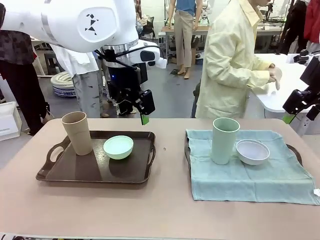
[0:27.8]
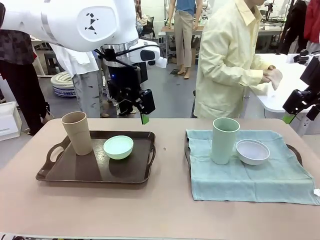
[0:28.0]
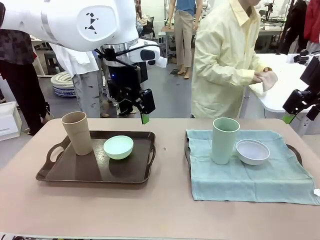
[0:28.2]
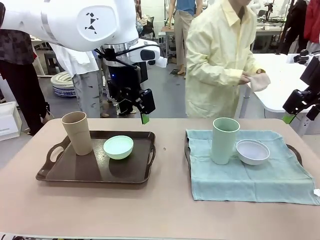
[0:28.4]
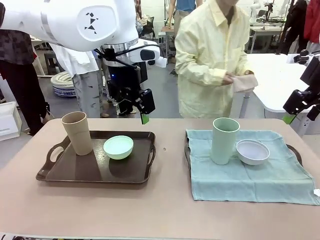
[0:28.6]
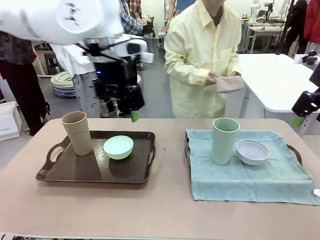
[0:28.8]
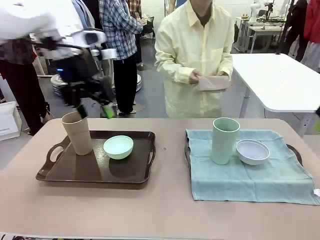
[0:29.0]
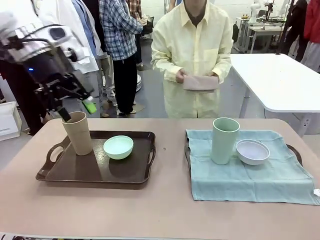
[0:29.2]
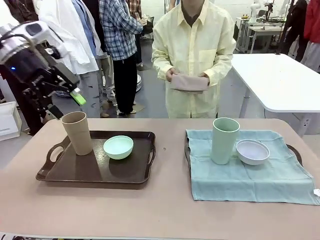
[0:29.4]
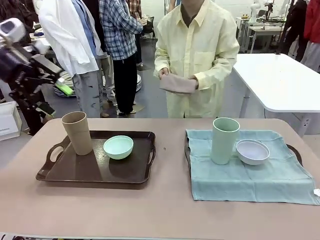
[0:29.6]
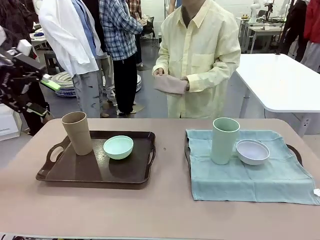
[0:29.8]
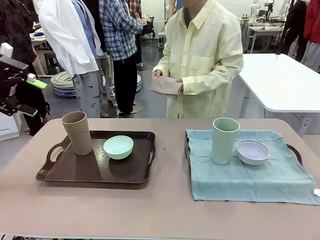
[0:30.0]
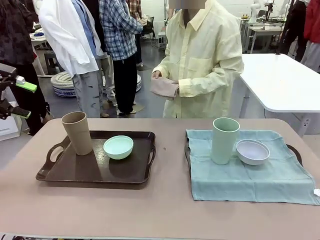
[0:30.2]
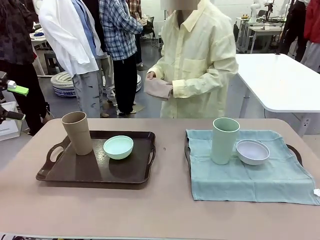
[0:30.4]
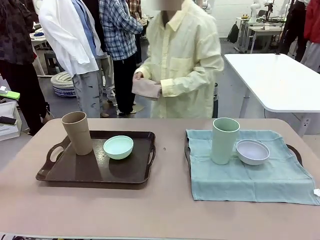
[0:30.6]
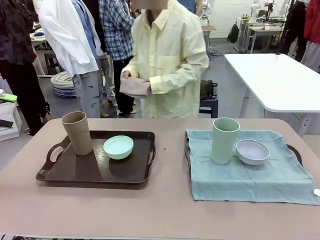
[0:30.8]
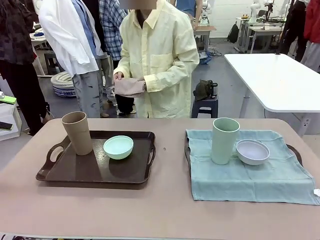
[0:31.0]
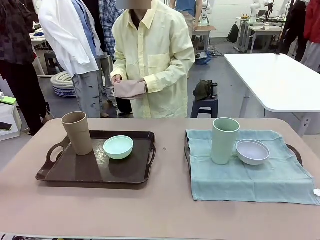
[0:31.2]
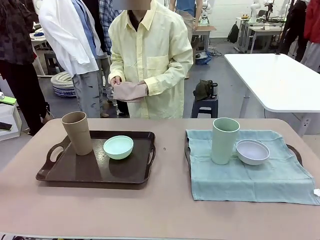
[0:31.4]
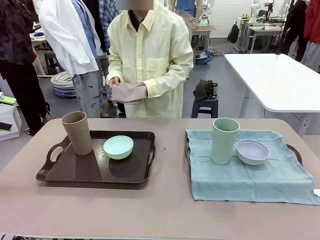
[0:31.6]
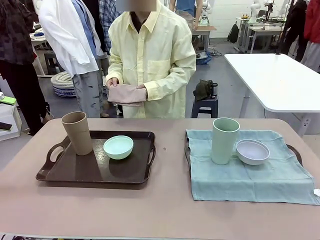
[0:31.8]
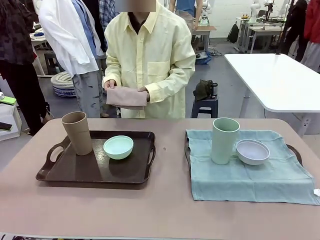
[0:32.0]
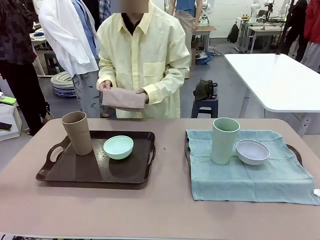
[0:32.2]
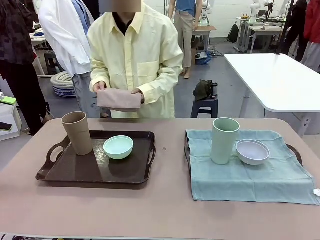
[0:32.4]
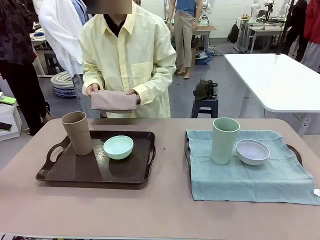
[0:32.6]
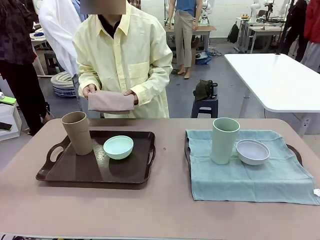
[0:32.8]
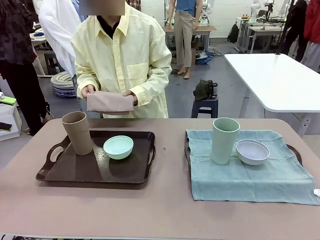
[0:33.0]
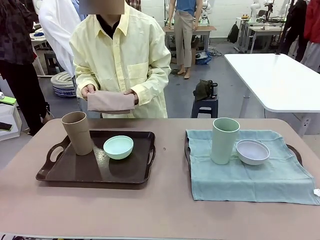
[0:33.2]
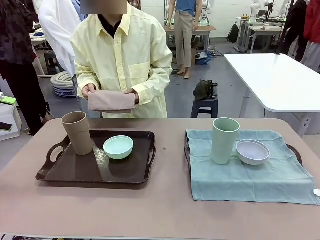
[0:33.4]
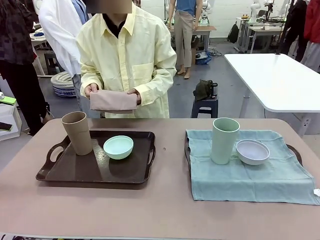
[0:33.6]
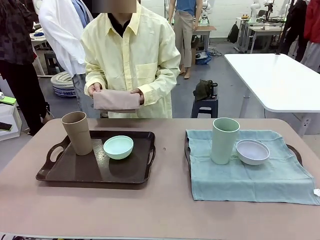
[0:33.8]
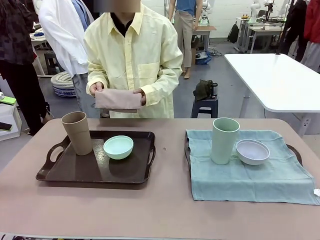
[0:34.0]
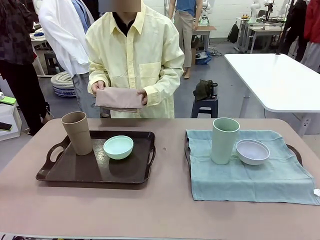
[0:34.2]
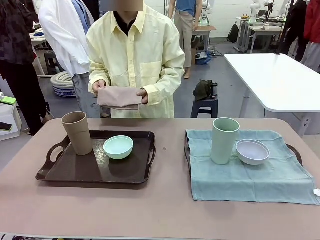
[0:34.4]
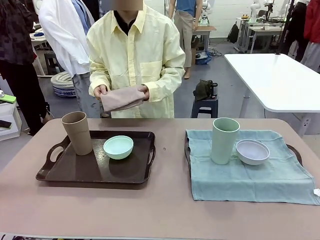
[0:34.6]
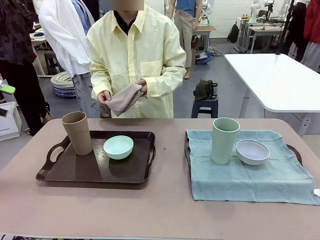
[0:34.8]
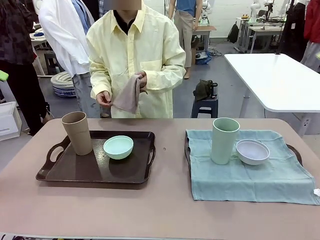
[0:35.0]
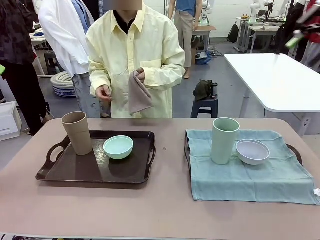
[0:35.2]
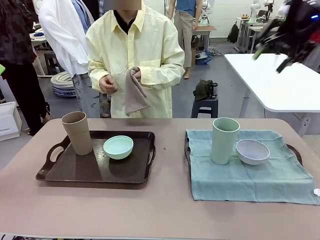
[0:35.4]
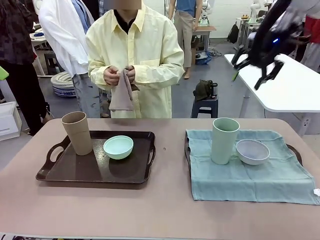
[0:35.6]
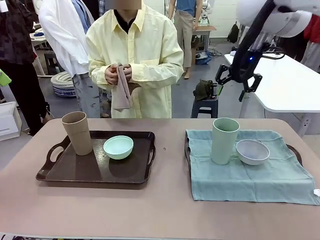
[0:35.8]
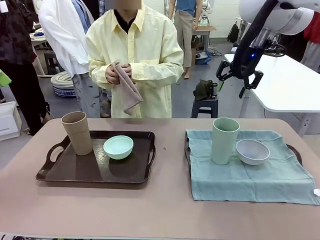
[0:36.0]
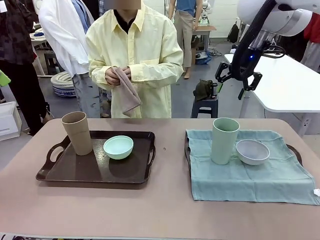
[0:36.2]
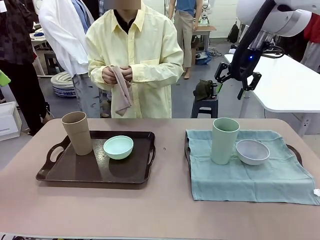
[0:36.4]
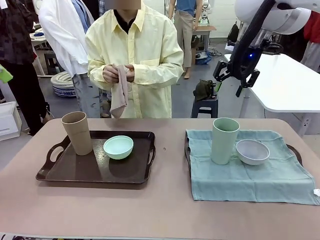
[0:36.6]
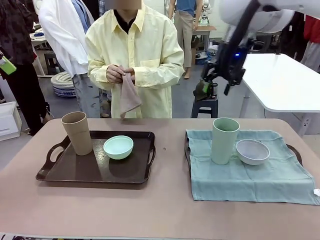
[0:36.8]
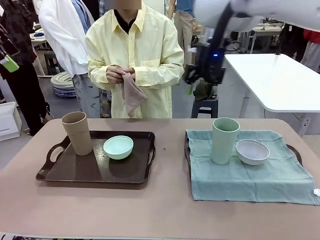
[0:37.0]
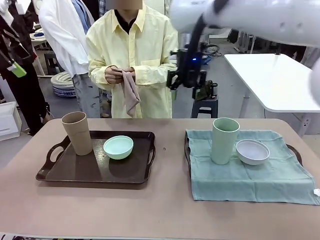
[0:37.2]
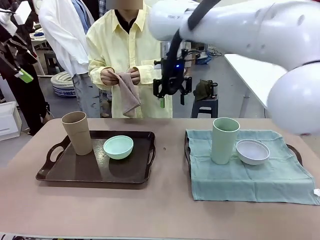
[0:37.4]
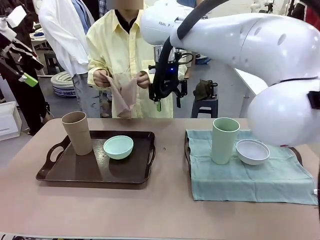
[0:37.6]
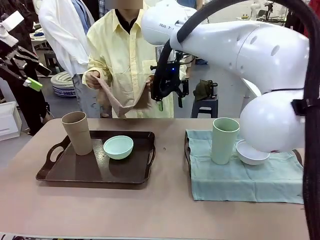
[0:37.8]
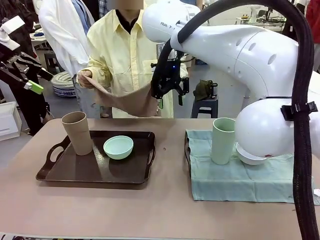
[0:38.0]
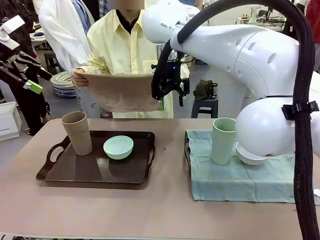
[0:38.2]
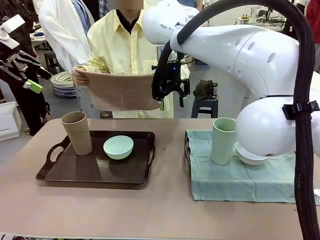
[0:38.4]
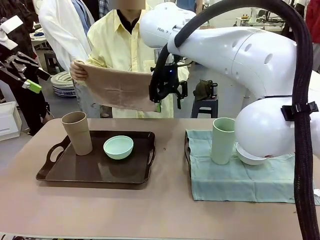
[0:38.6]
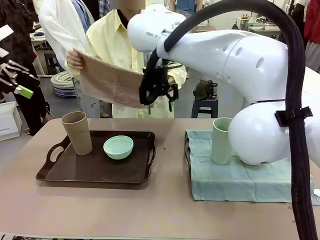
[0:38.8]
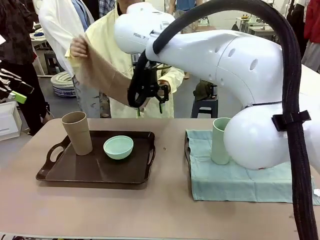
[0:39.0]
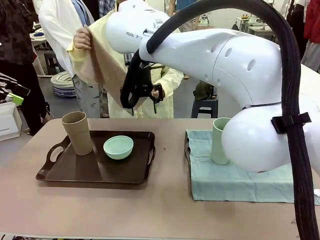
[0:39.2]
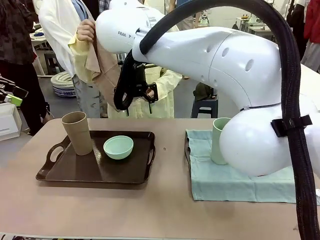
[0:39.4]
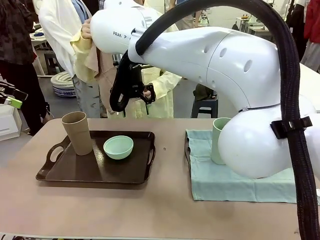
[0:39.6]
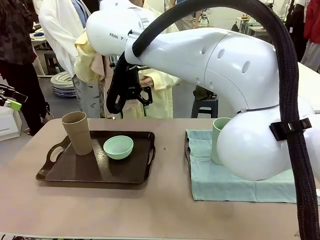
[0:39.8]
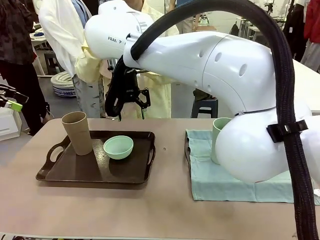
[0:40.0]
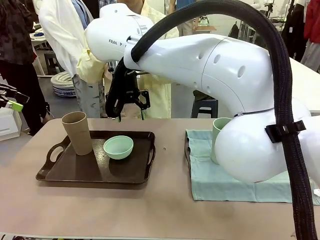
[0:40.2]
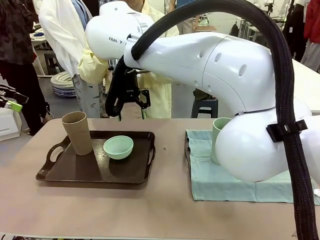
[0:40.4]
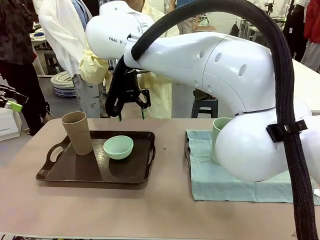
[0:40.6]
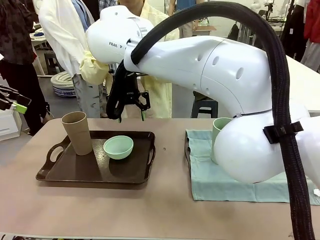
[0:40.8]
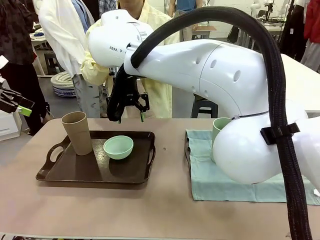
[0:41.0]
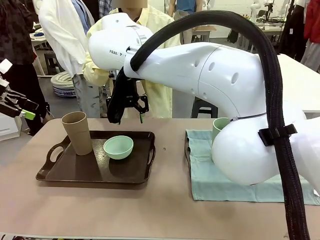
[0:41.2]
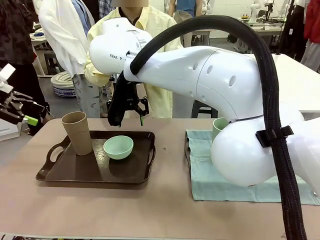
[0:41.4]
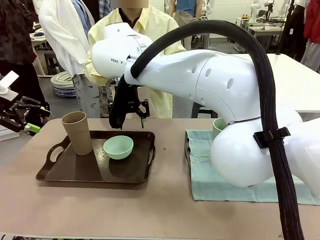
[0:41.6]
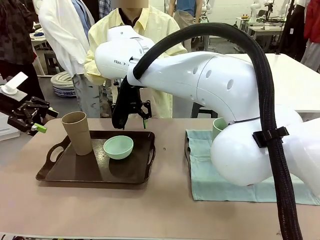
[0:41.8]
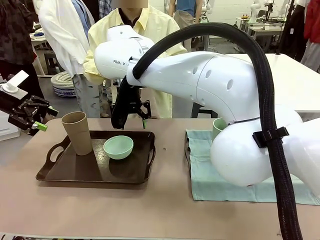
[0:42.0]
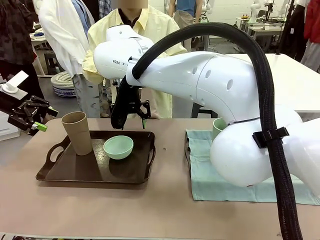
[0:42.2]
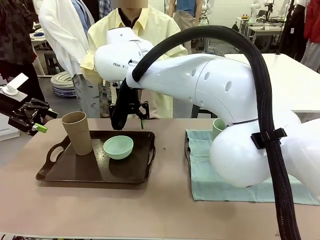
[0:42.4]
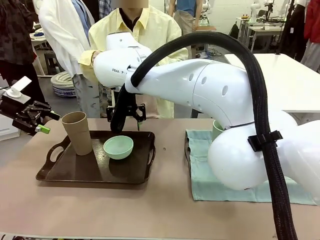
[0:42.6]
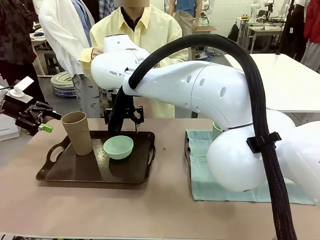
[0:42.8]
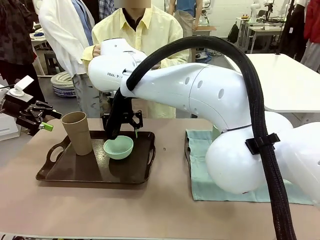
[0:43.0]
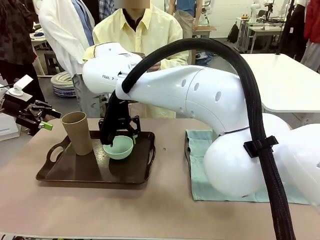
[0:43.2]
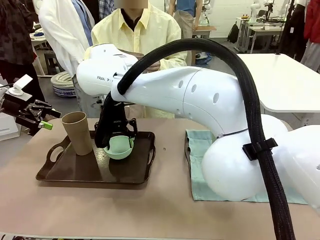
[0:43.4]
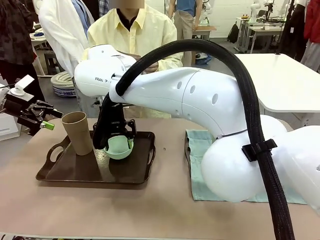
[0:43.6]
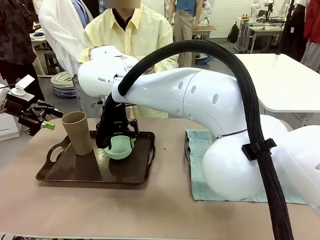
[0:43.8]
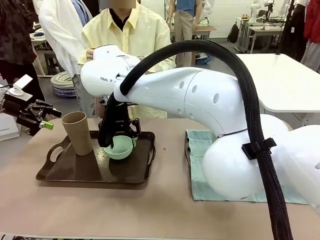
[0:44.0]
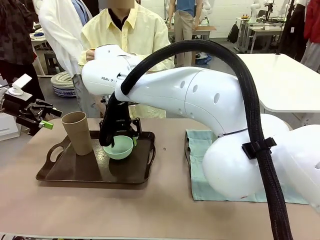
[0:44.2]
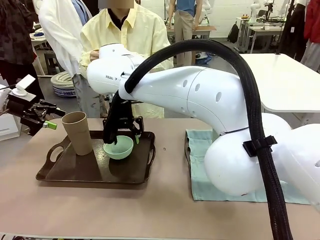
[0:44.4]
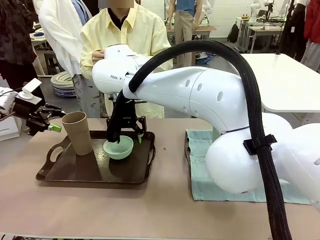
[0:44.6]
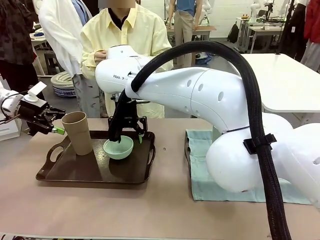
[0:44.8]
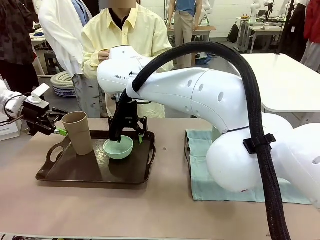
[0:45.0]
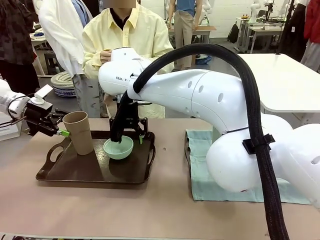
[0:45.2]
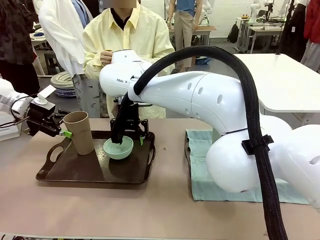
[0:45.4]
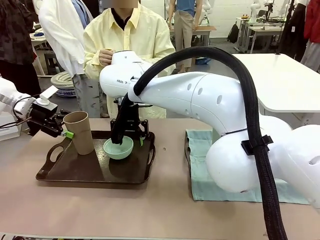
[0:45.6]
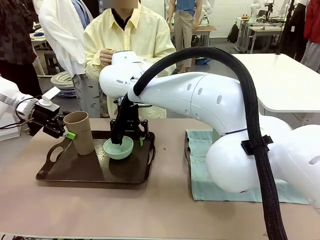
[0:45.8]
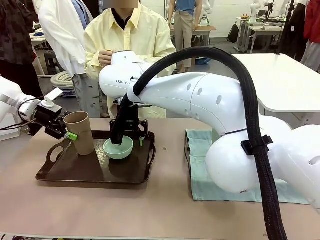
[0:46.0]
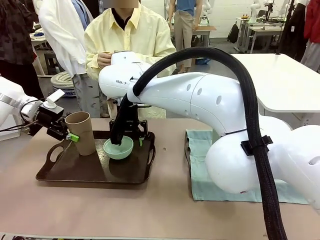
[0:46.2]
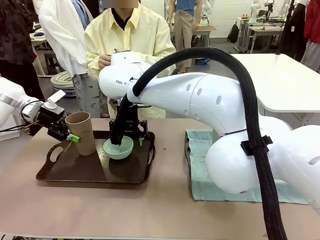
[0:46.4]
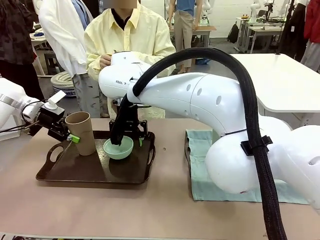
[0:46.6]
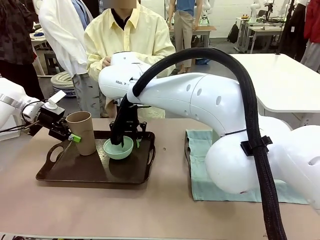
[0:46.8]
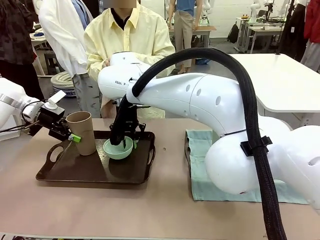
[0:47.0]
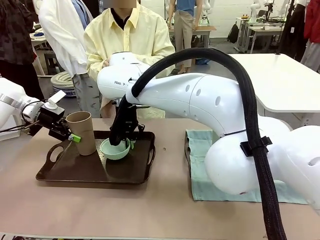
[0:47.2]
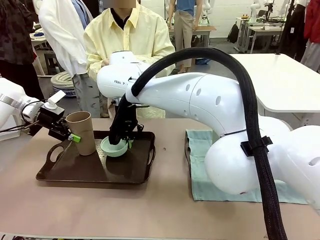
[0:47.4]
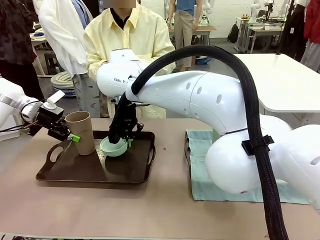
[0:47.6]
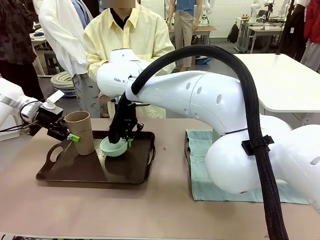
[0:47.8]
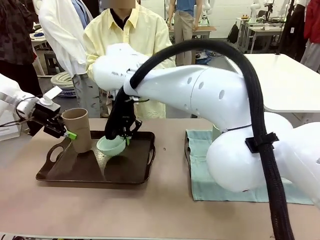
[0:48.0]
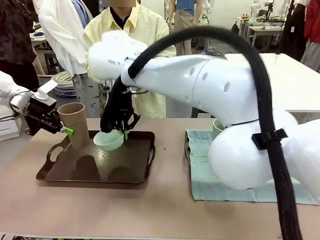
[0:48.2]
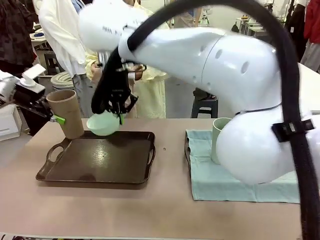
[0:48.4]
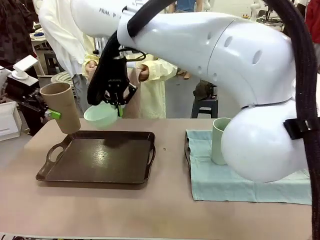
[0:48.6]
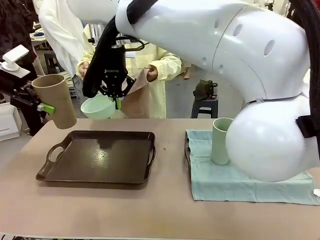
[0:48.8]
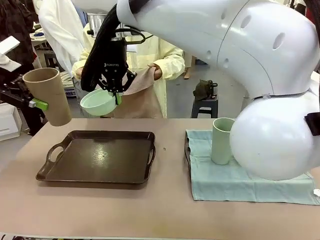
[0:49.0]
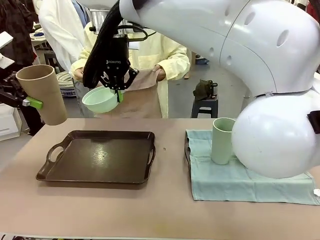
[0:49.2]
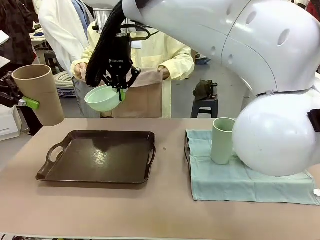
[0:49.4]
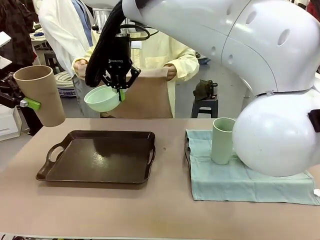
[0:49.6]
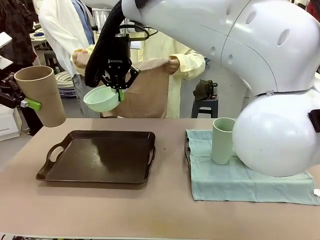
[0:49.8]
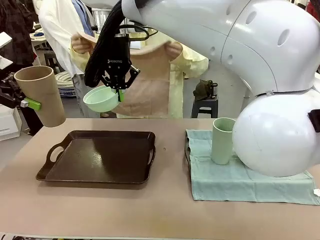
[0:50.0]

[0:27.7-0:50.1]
Robot: Pick up the Picnic Bowl and Reusable plastic cup from the Handle tray in front of the human's position and hold them in the air.
Person: When the robot lifts the bowl and the cup, the human unfolds the napkin and lays the napkin flat on the tray.
